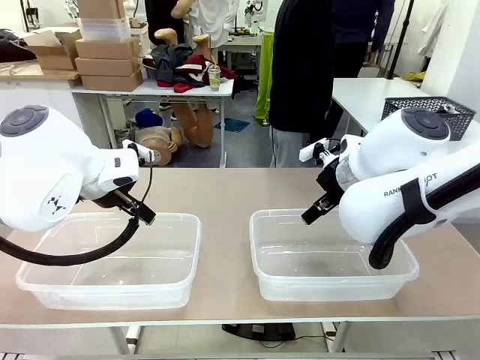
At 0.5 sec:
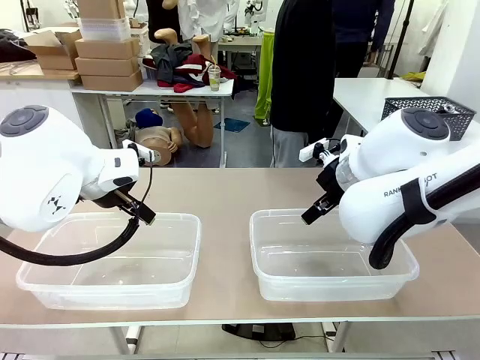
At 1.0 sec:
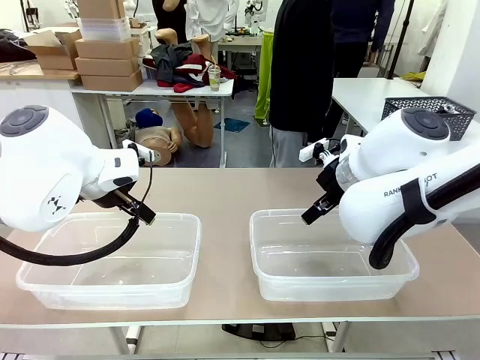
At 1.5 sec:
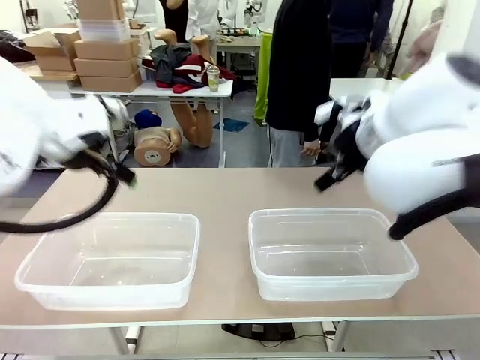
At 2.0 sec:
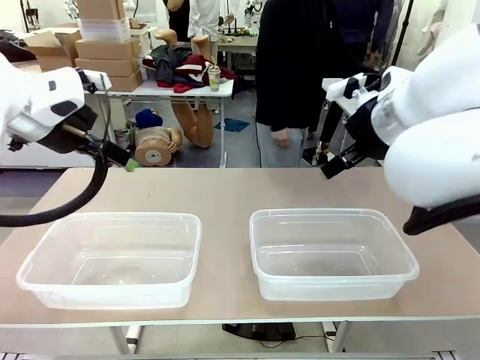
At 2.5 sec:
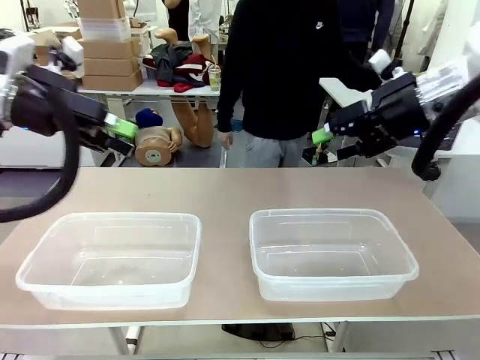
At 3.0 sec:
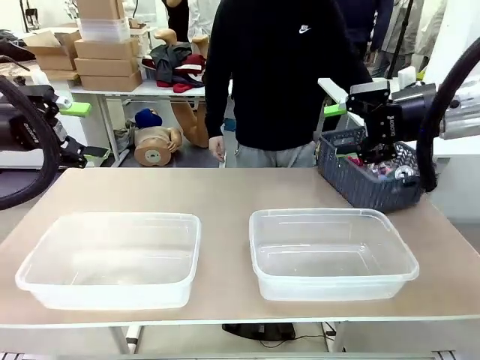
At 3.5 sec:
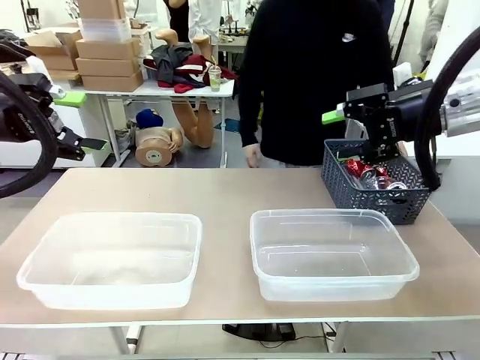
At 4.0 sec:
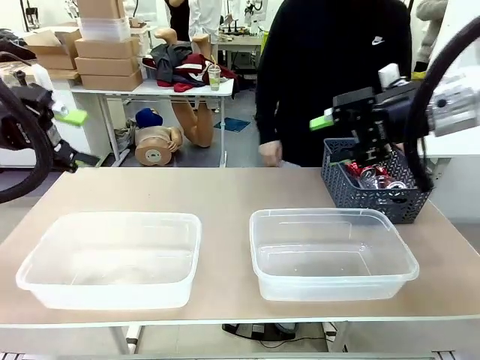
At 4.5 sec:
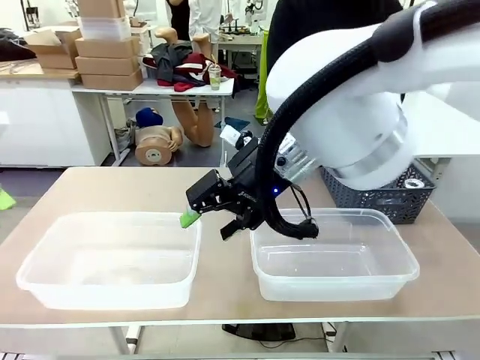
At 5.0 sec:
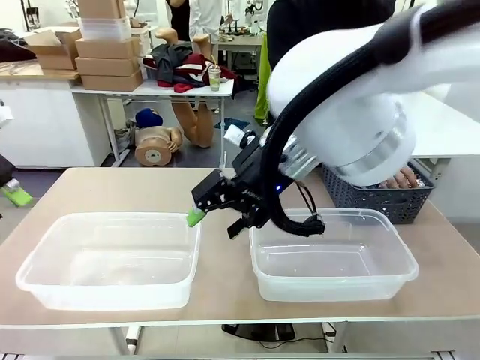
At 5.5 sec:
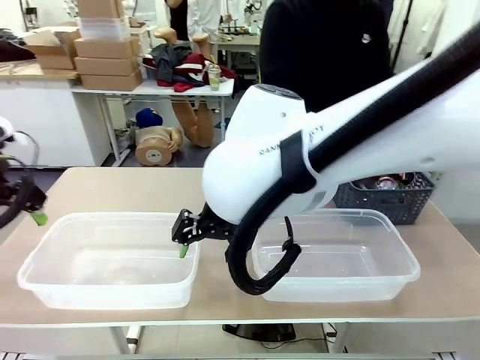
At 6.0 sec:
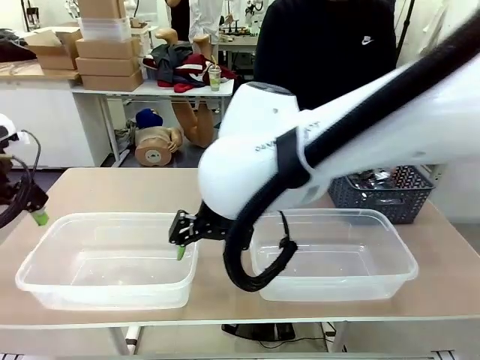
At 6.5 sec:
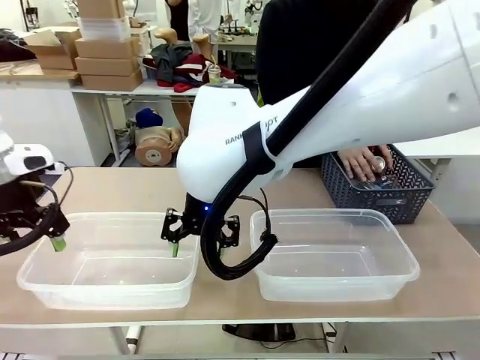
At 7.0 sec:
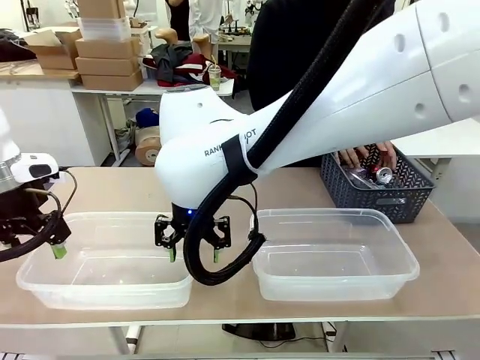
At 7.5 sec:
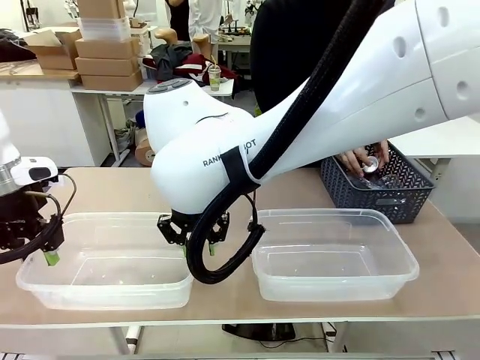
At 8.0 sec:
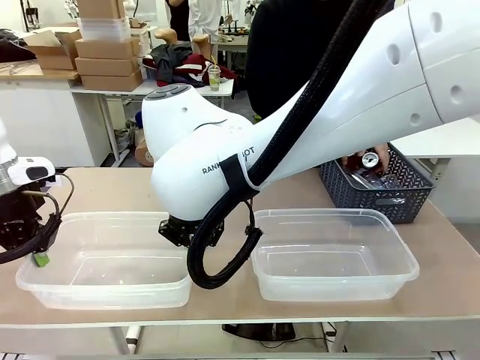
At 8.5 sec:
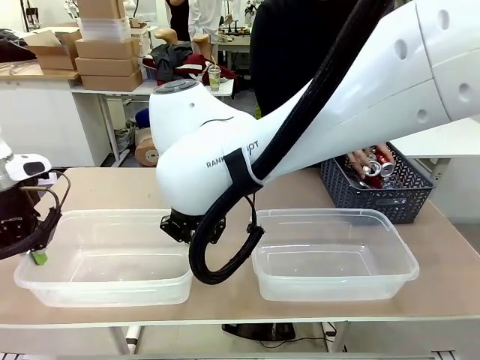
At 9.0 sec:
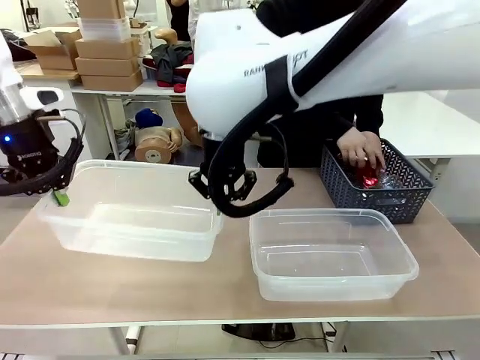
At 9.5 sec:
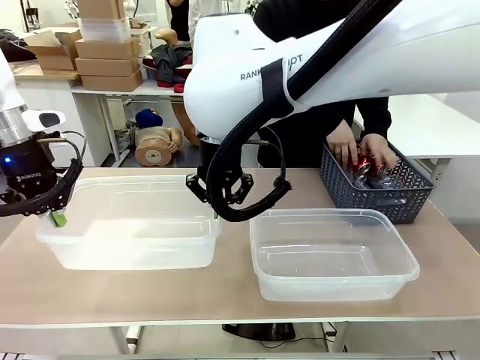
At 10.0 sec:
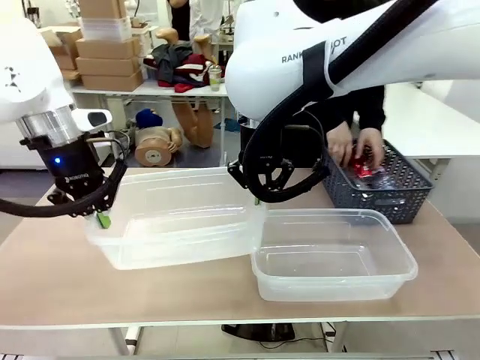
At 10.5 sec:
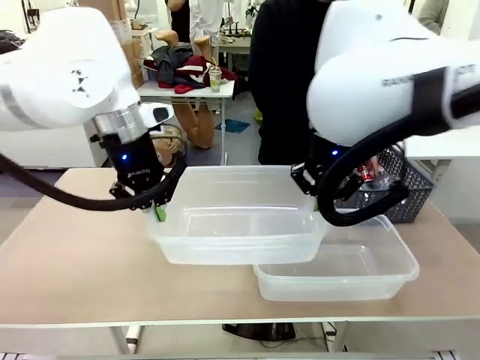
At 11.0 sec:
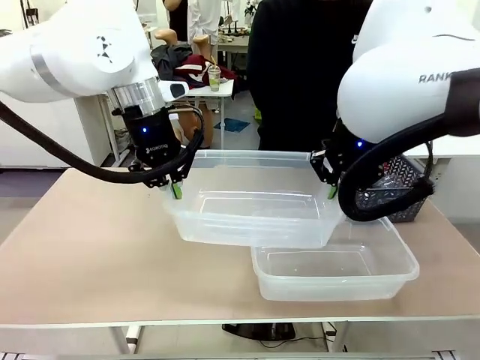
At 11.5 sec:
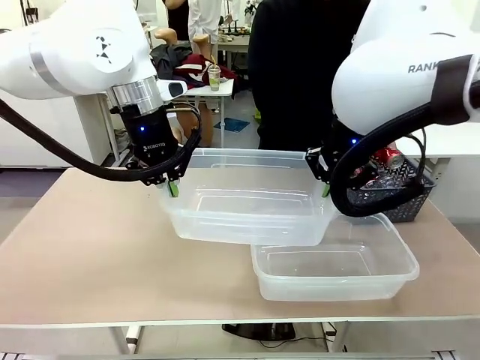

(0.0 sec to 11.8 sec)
Robot: Pick up the Organizing box on the left side of the table and lift it.
Person: Pick up the storage basket and place it on the left side of the robot table. Pick up can-shaped waste one by one and place it into the organizing box lifted by the robot.

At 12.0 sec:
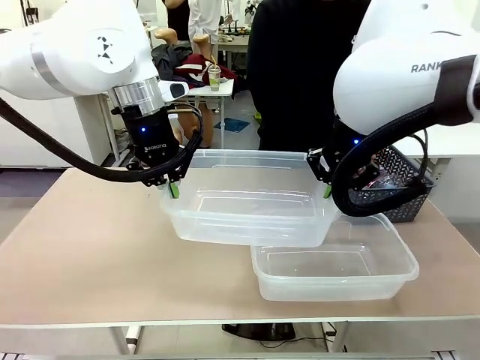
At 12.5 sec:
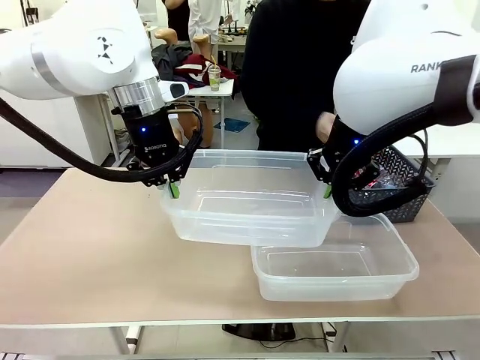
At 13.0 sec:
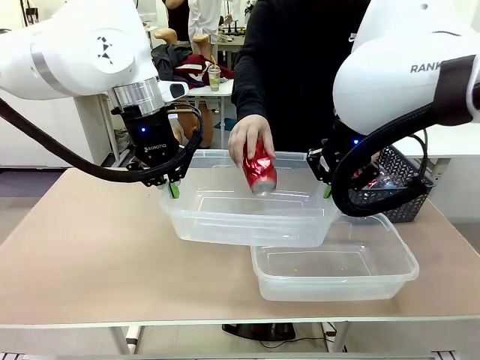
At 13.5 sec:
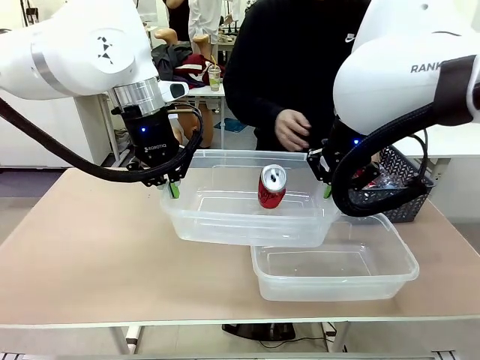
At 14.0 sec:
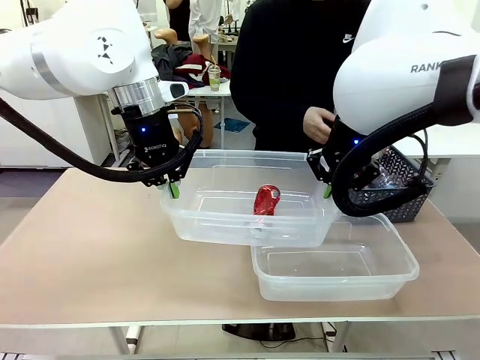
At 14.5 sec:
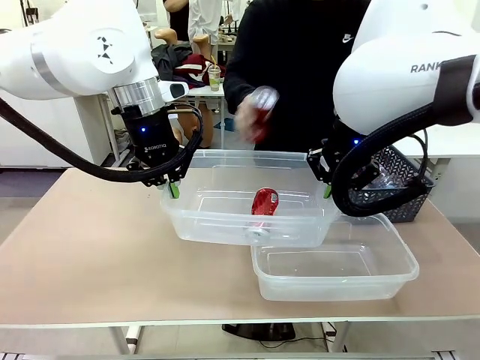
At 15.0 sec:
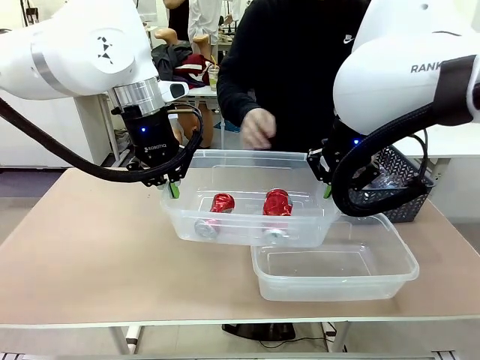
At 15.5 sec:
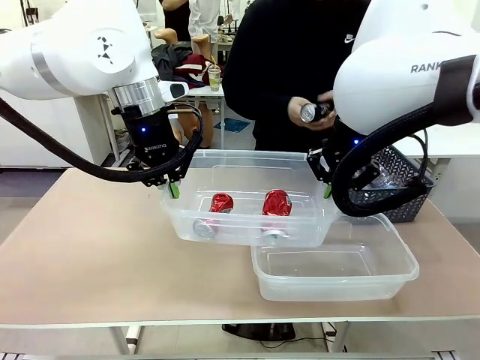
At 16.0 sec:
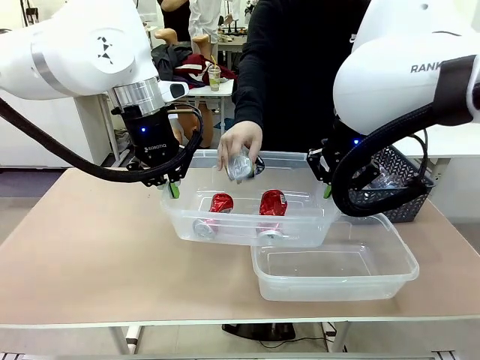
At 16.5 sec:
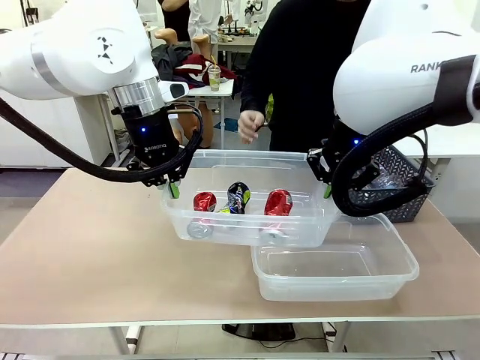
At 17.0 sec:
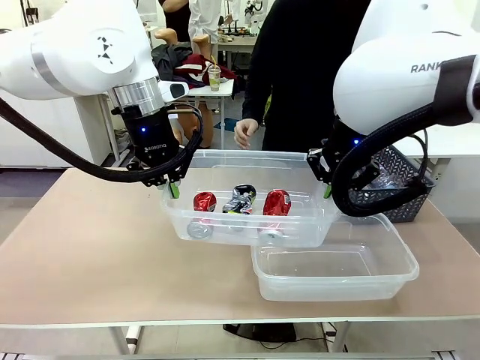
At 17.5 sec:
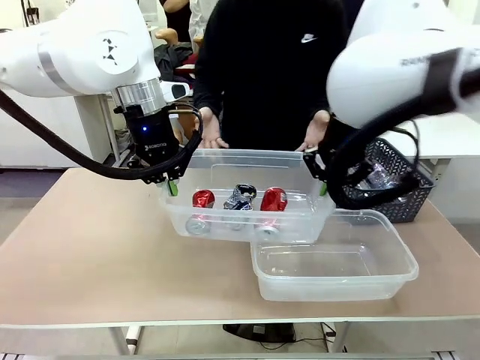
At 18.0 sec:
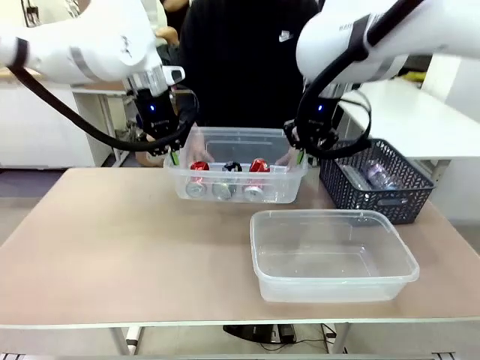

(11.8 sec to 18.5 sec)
Robot: Offer the picked Organizing box to the human.

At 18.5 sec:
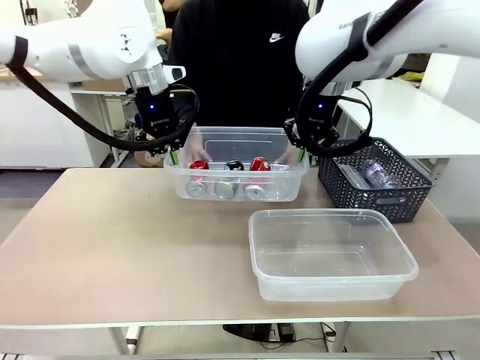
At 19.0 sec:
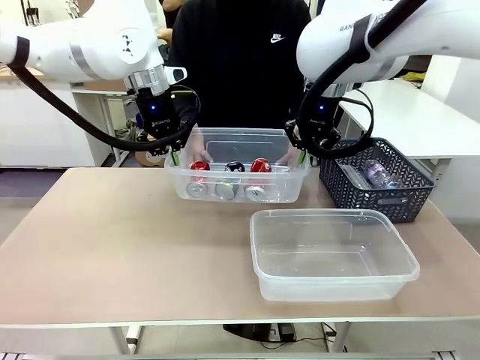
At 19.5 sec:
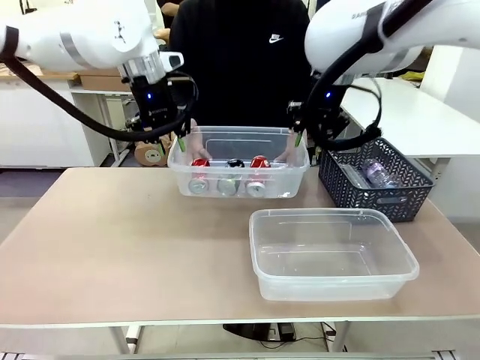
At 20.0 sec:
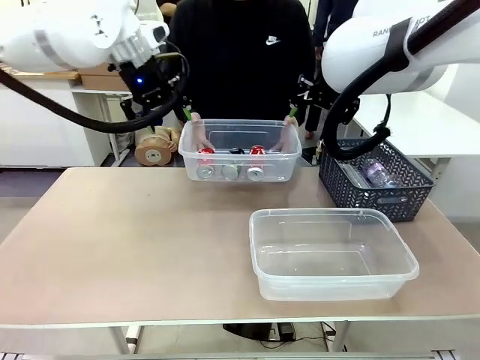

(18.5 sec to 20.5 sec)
Robot: Release the Organizing box you were holding.

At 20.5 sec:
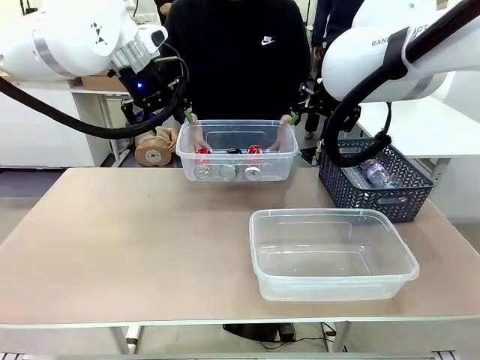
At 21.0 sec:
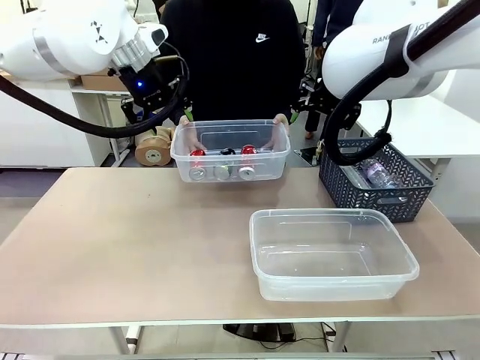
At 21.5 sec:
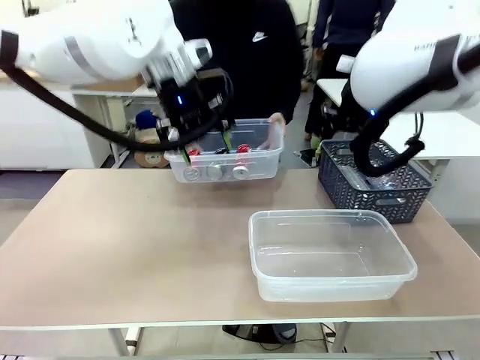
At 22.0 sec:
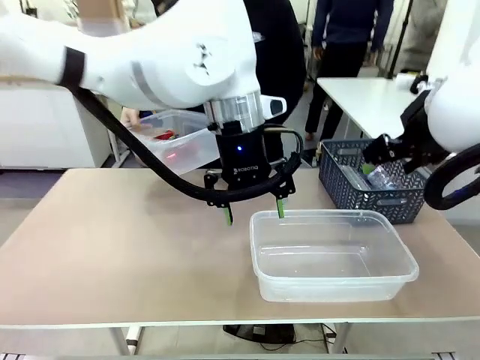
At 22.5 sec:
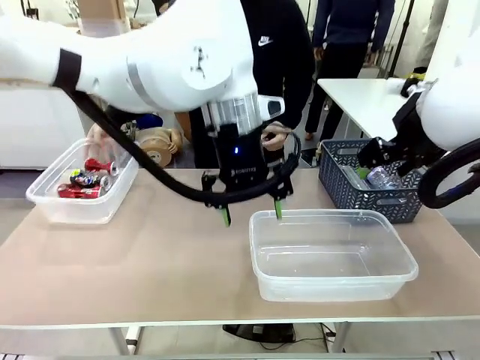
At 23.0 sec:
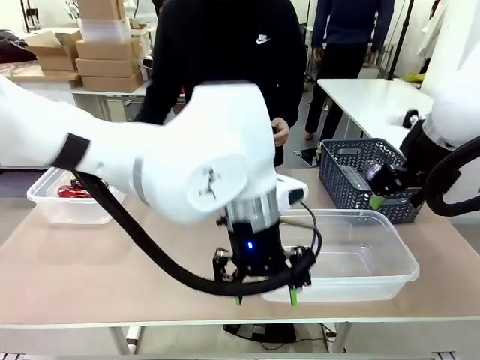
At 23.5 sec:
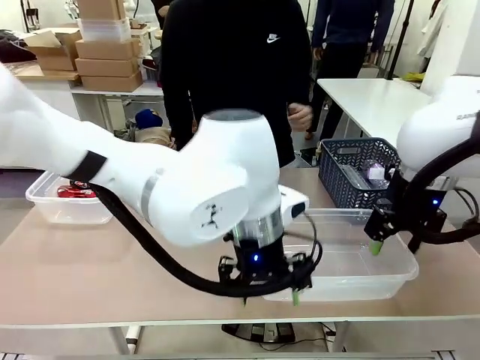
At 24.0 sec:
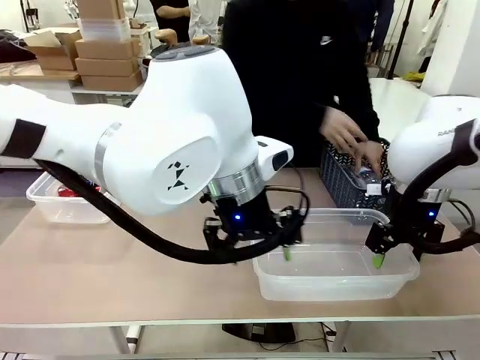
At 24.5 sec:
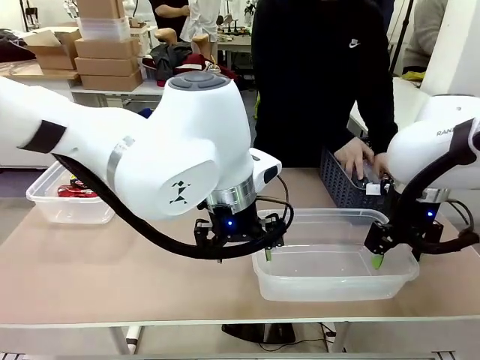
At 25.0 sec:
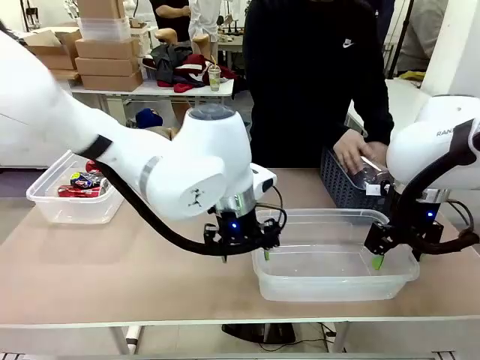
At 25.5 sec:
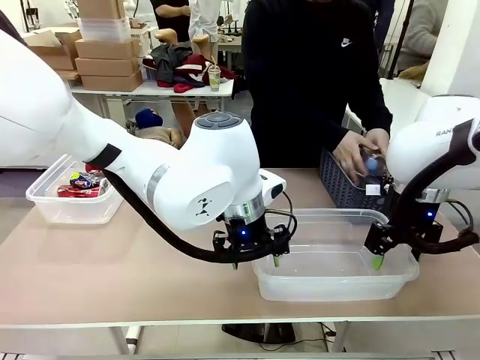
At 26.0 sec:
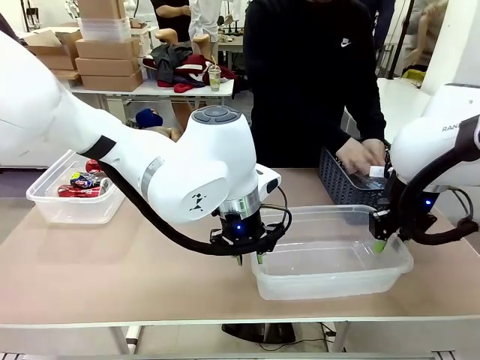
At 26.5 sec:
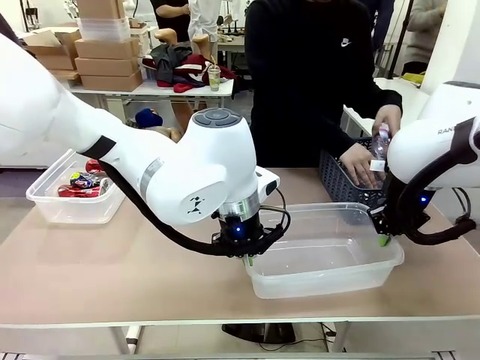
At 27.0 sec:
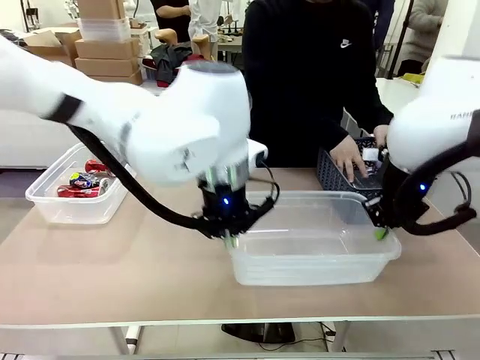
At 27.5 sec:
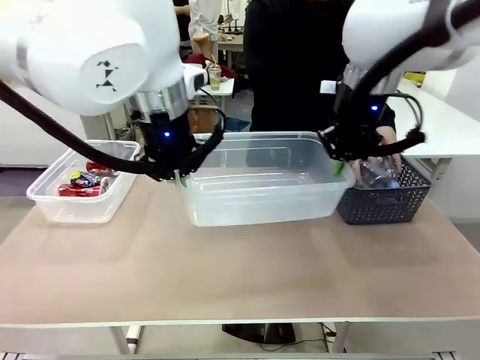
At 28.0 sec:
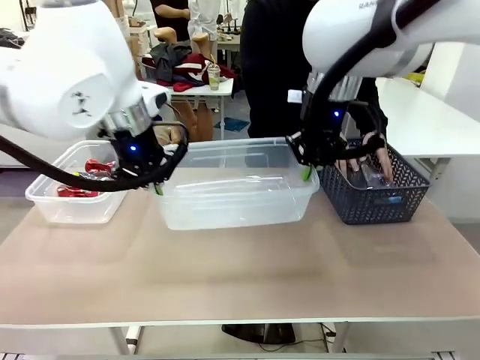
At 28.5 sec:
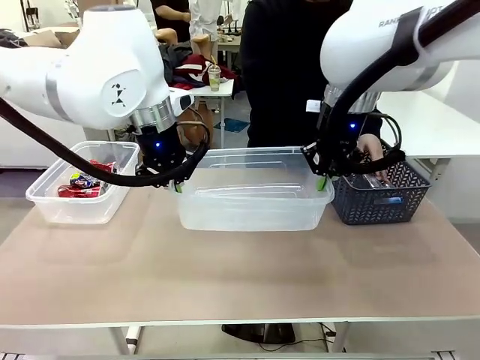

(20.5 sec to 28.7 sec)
Robot: Pick up the Organizing box on the right side of the table and lift it.
Person: Place it at the edge of the bottom right area of the robot table. Pick up plastic waste one by one and place it into the organizing box lifted by the robot.
